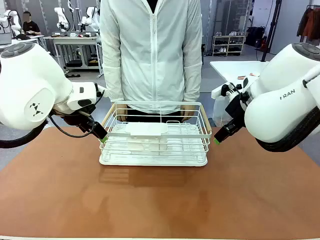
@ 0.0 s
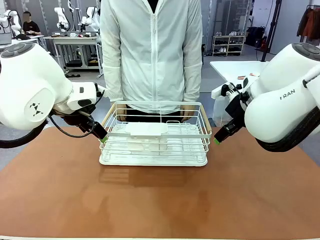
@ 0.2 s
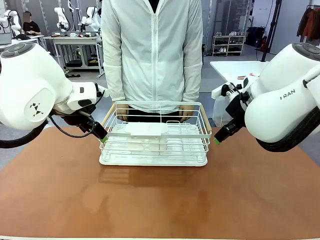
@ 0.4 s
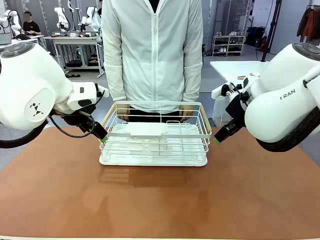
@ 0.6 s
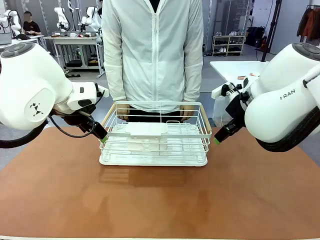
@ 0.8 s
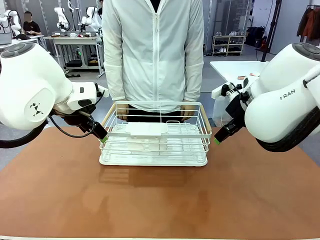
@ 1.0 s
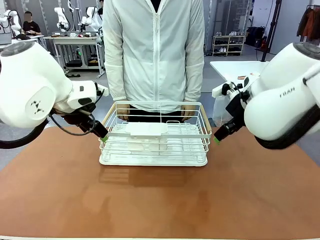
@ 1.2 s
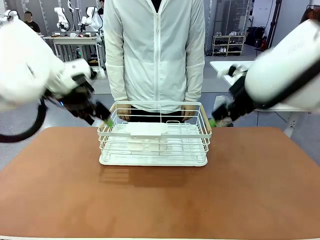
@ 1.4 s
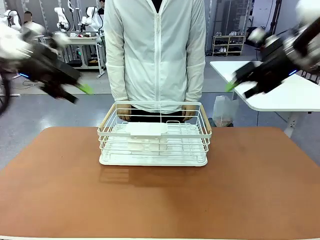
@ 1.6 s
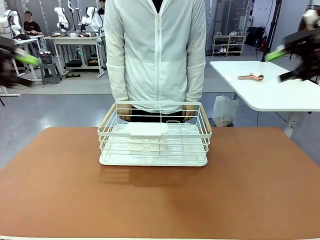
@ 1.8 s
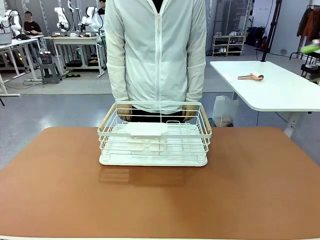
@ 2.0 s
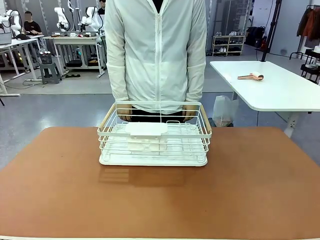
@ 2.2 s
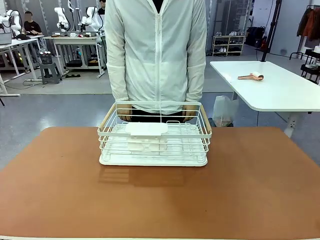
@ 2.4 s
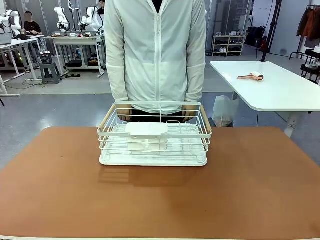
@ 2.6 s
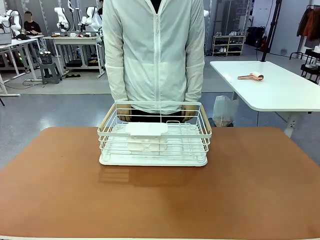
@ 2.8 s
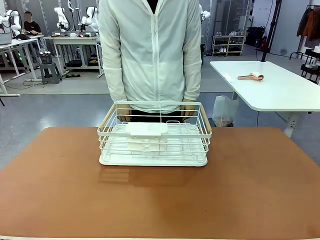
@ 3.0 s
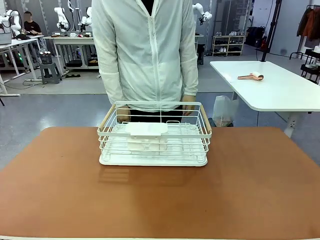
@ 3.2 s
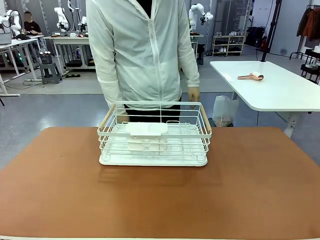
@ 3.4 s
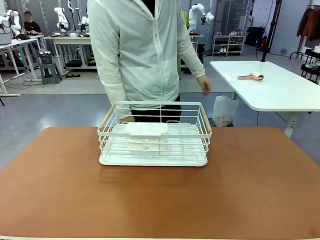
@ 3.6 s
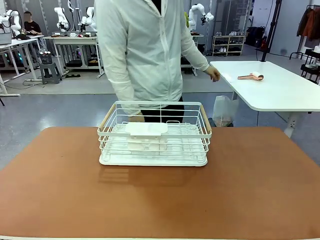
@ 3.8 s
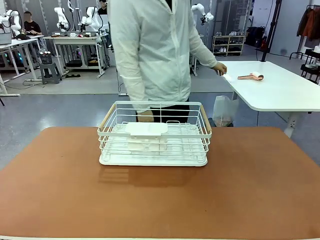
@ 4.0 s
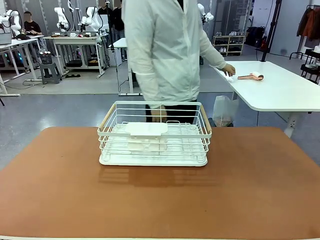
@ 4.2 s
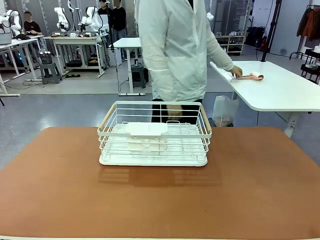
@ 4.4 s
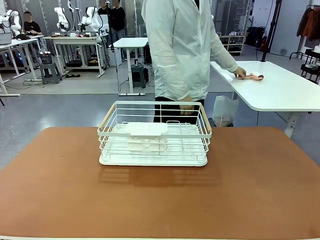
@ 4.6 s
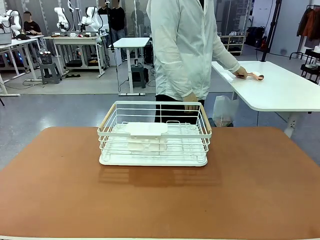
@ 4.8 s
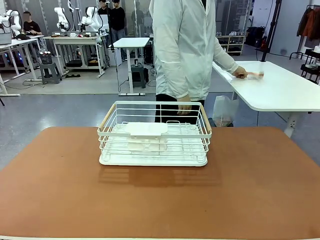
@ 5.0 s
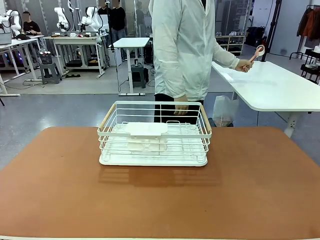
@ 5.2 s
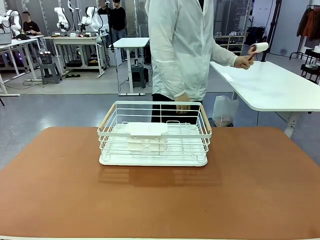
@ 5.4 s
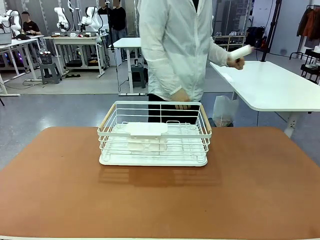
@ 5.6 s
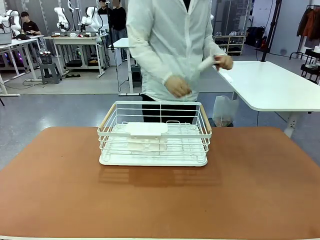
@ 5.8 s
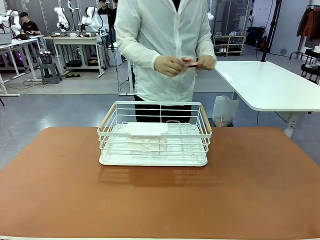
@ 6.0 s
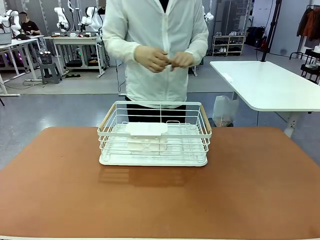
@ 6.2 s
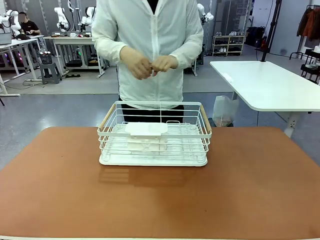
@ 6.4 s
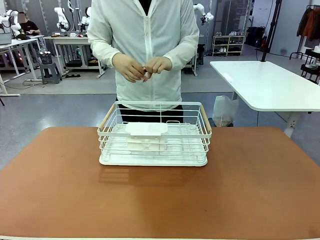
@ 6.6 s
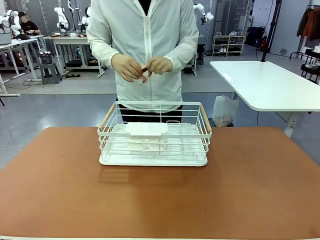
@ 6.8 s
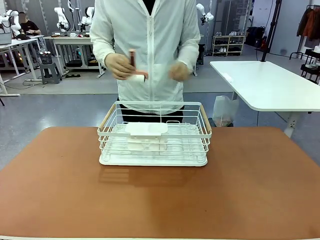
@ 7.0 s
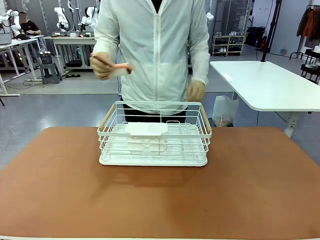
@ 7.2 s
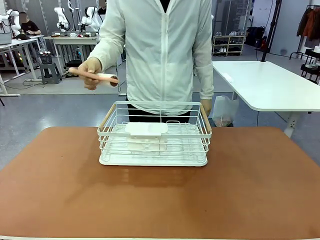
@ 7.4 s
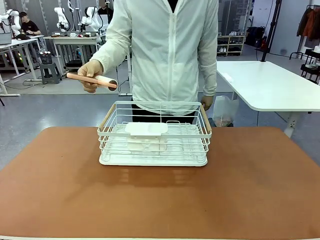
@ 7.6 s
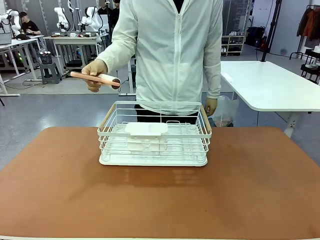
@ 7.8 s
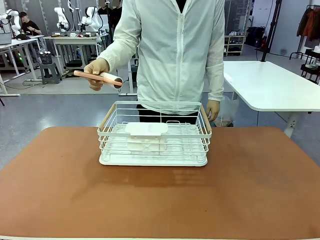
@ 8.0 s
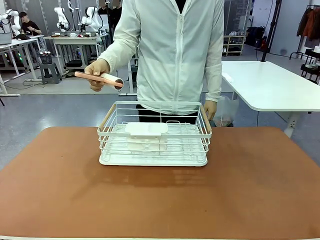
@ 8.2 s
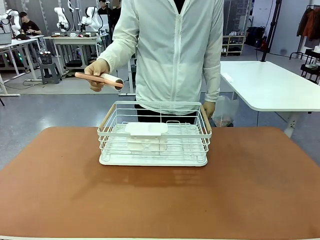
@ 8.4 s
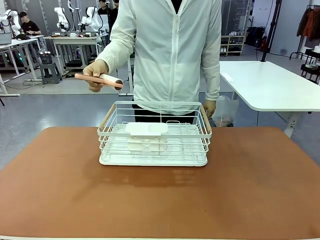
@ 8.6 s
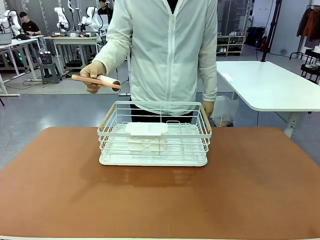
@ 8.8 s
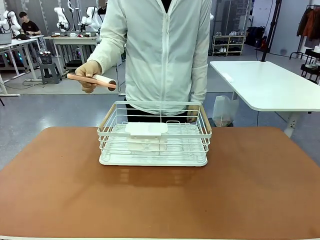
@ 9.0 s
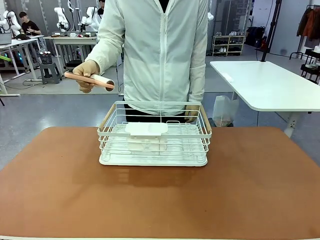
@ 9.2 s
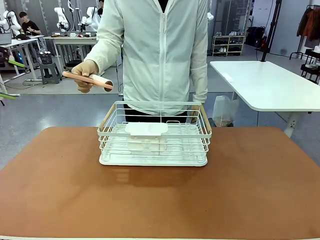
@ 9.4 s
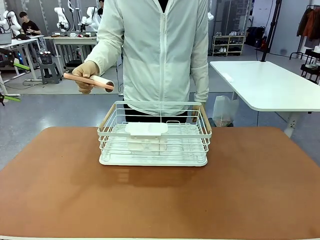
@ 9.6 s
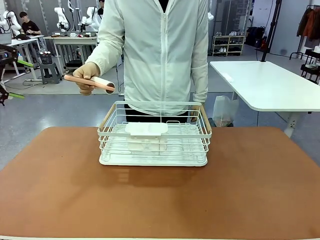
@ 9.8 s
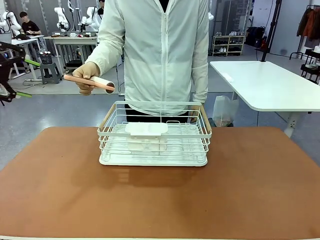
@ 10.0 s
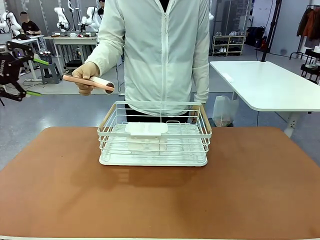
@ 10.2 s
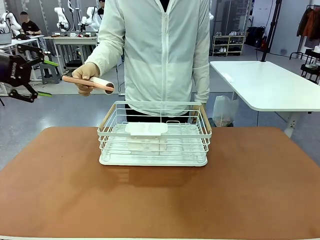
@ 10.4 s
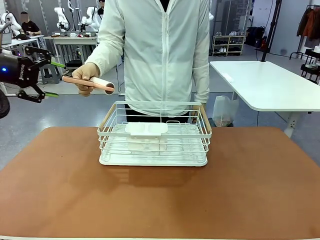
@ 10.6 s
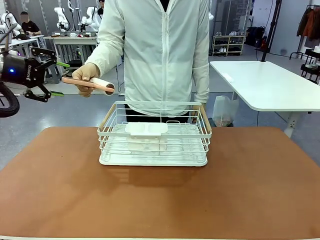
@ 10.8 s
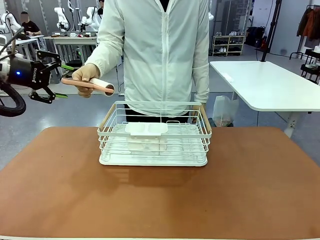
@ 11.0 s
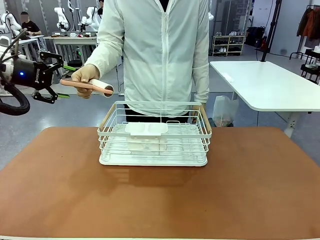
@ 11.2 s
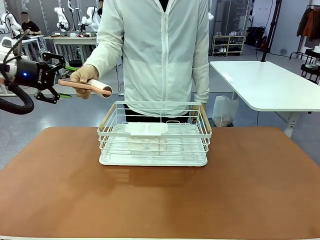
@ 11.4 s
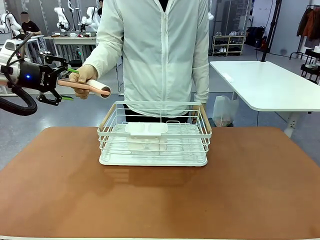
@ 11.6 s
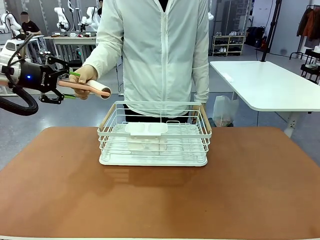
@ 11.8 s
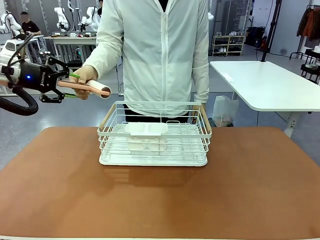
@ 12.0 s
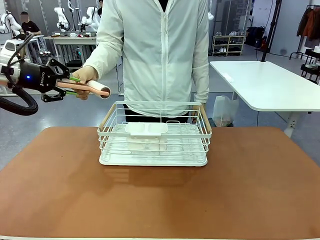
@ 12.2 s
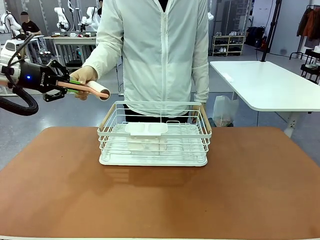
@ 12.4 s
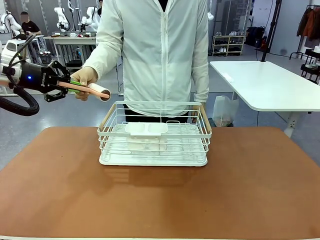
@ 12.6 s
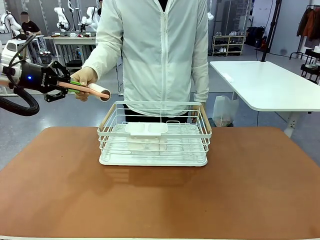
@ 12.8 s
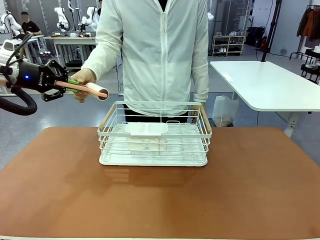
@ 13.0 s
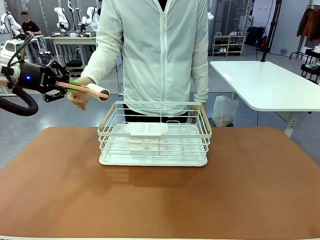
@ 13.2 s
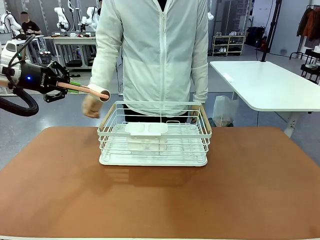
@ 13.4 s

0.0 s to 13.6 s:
Task: Clean the table.
Robot: Pick up the Lint Roller when the human hands it over.
Person: Hand the Lint Roller to the robot so it can easily pick it up. Lift the Dish drying rack.
